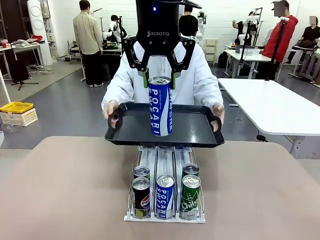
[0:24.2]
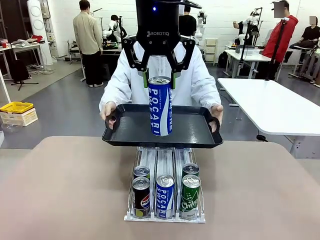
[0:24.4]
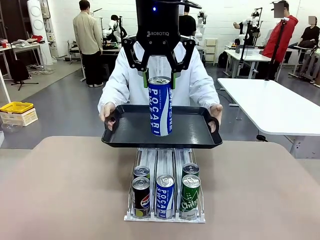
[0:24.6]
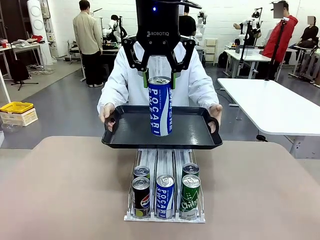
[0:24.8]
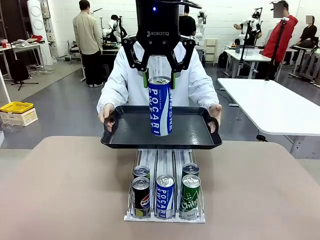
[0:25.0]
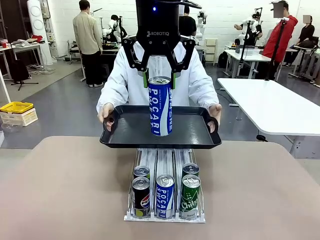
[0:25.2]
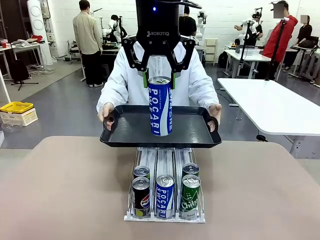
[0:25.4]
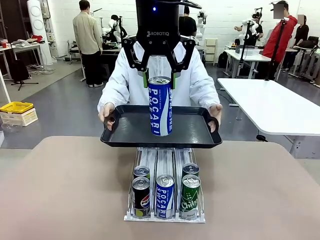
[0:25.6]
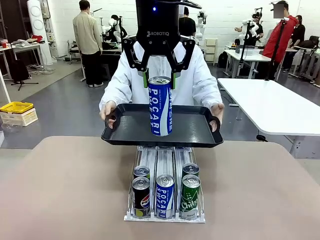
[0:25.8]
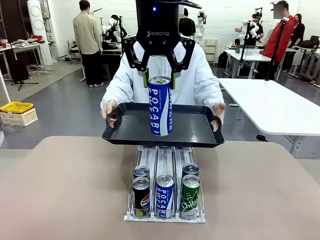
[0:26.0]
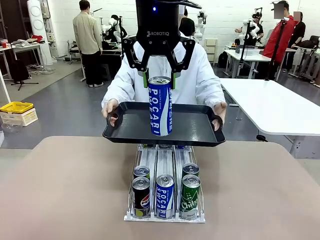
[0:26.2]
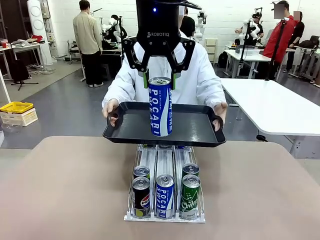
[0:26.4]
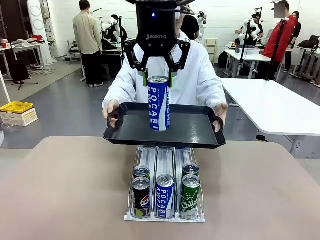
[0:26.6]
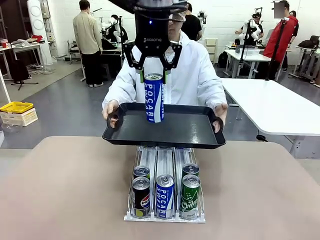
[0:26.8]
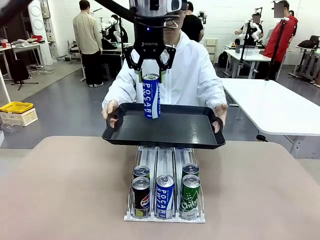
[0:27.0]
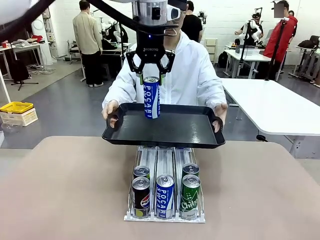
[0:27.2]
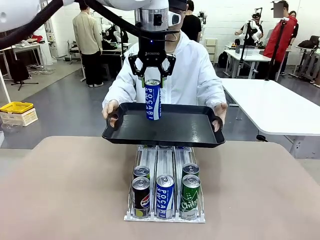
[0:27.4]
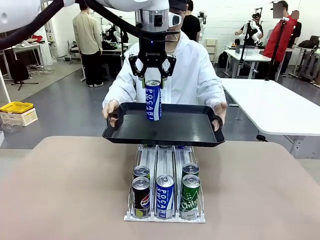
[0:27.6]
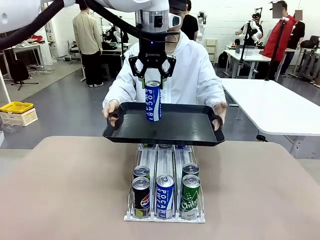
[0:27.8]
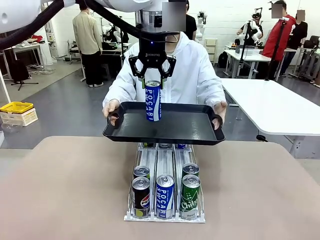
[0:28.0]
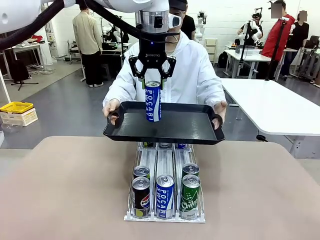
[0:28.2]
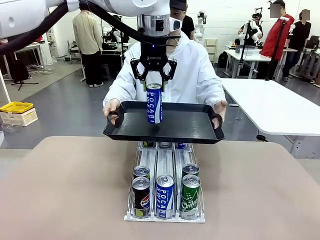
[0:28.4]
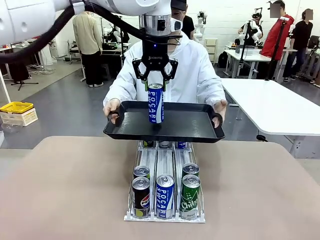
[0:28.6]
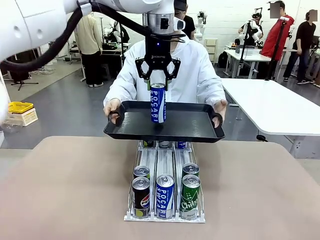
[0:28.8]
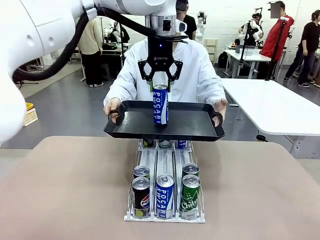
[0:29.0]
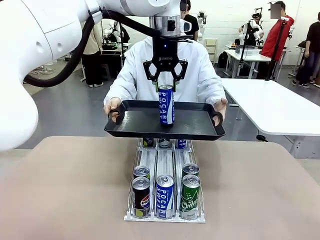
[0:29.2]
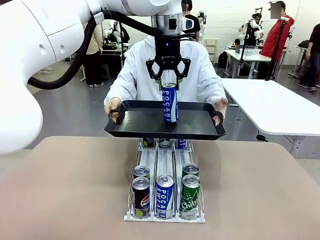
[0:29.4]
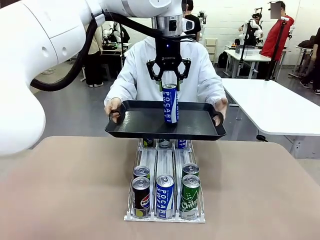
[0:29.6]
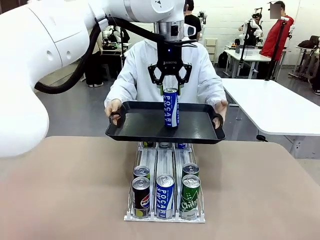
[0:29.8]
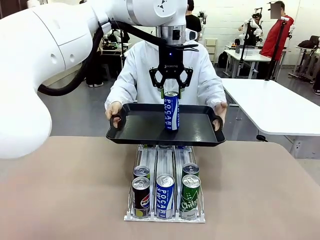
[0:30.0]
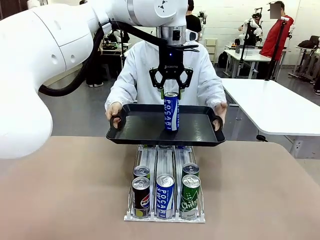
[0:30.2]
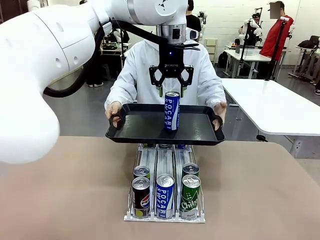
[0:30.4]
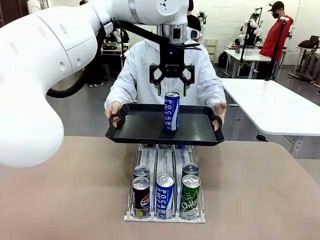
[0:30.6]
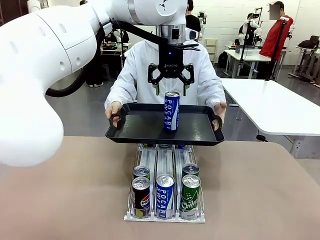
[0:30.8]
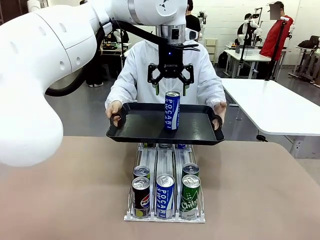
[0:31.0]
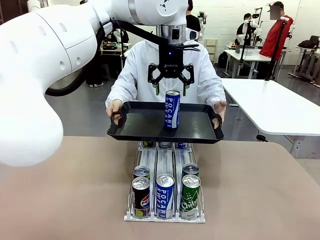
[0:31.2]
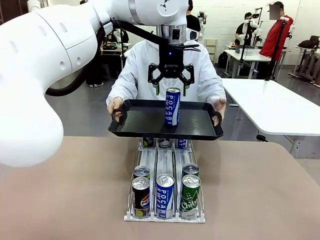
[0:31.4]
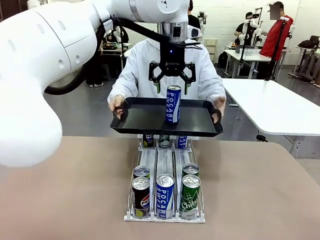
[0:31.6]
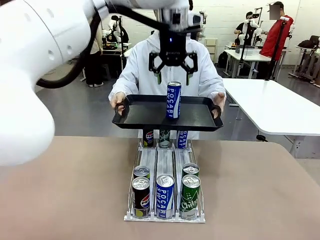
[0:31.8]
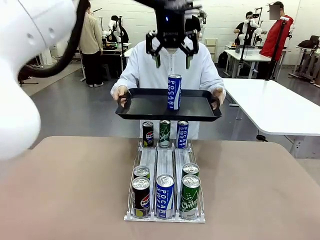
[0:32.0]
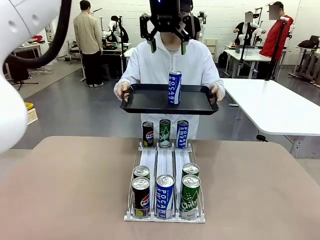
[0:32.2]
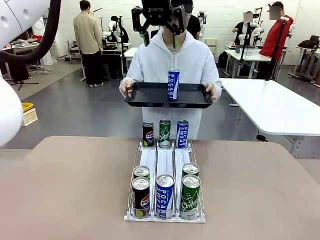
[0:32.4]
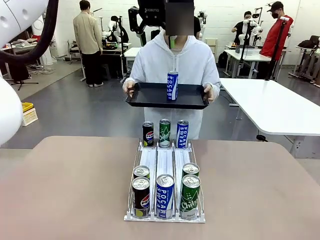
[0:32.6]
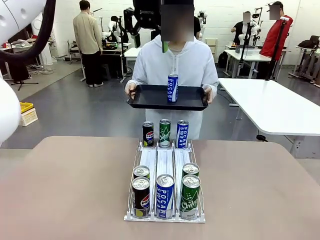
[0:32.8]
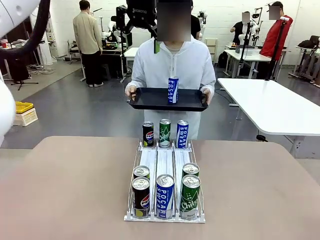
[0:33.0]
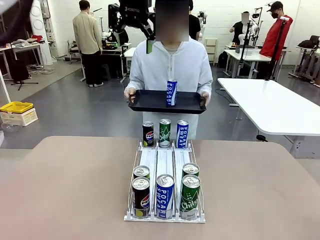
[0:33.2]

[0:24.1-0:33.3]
Task: Retrieve and hand over the desired beverage to the person.
Robot: Place the picked can on the Handle tray extended by the person.
Person: Pull the tray back, then pick up another can from the bottom area of the table and puts it back in its original place.

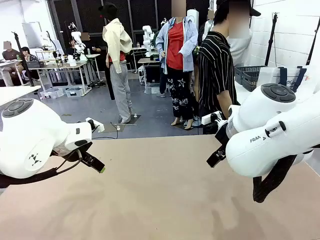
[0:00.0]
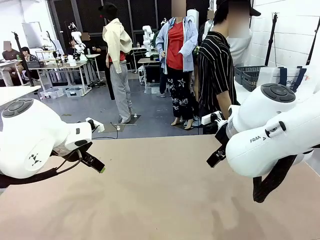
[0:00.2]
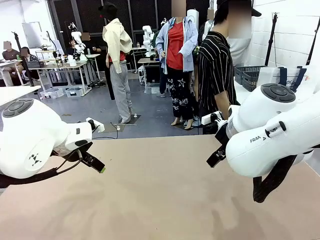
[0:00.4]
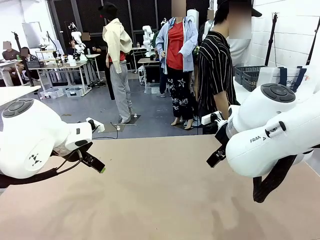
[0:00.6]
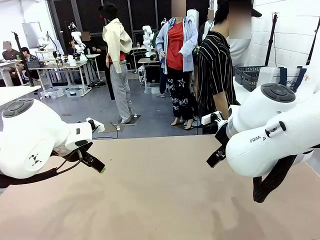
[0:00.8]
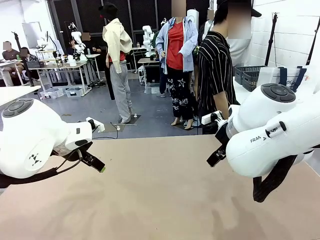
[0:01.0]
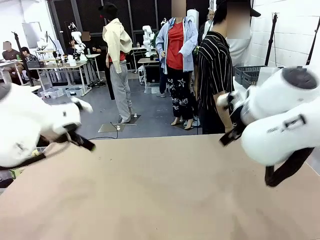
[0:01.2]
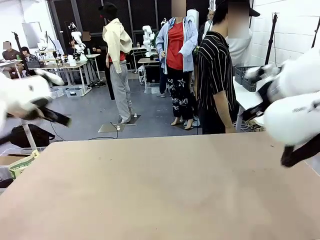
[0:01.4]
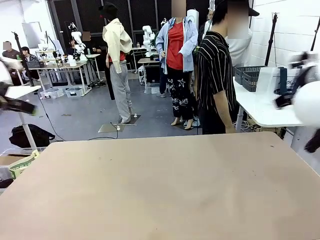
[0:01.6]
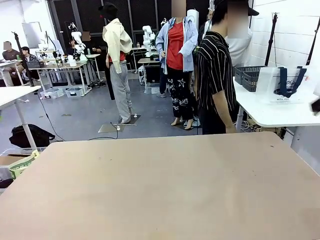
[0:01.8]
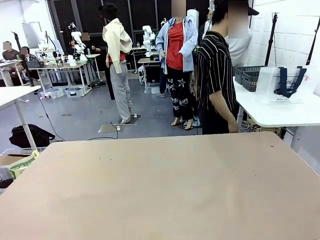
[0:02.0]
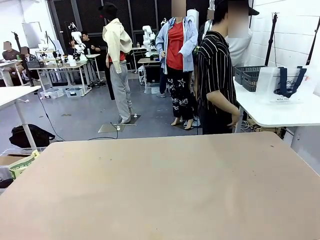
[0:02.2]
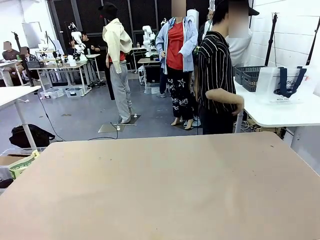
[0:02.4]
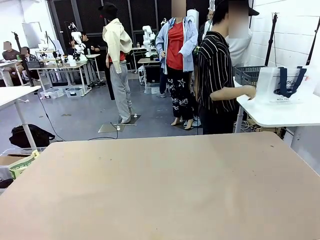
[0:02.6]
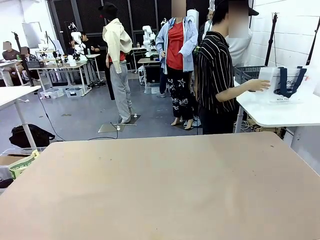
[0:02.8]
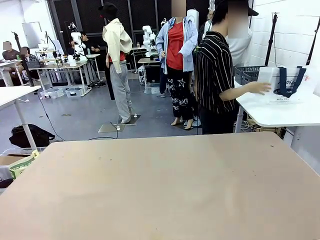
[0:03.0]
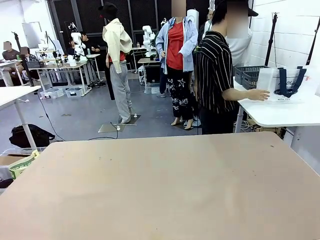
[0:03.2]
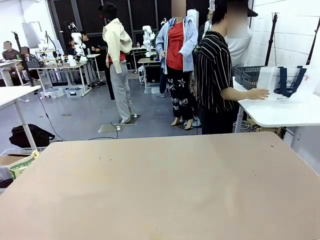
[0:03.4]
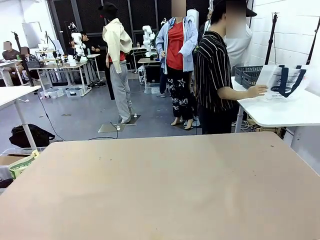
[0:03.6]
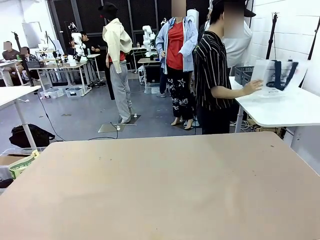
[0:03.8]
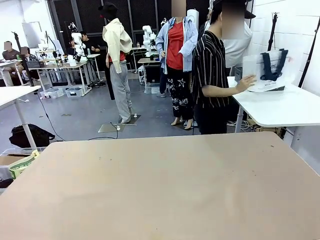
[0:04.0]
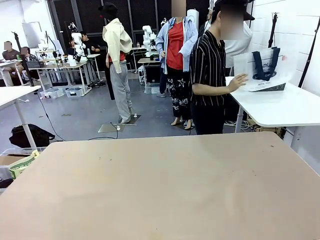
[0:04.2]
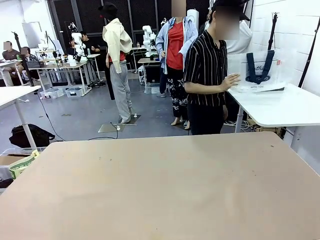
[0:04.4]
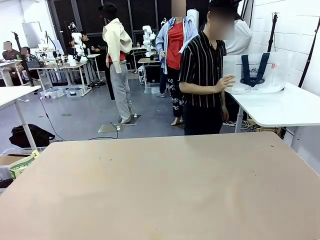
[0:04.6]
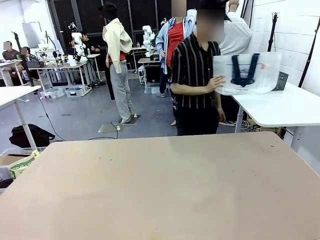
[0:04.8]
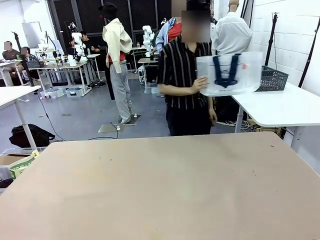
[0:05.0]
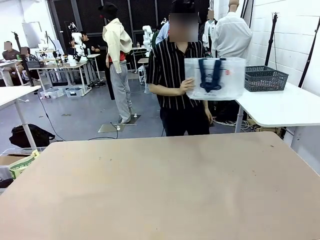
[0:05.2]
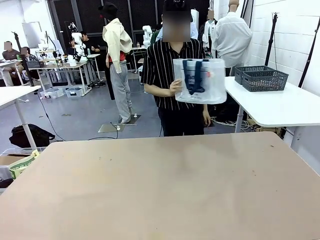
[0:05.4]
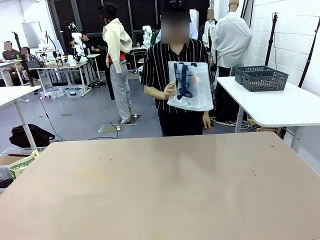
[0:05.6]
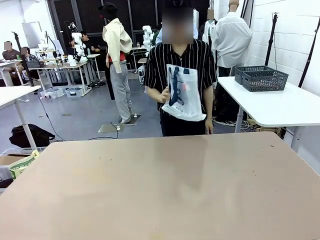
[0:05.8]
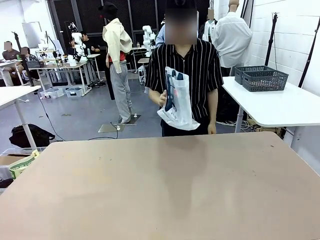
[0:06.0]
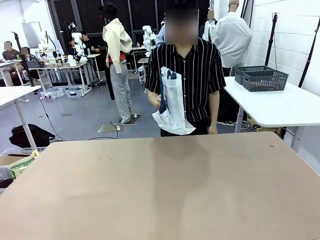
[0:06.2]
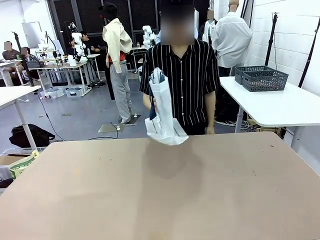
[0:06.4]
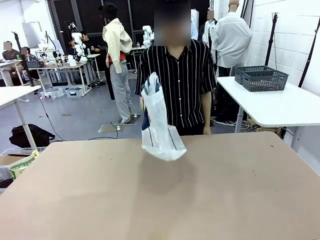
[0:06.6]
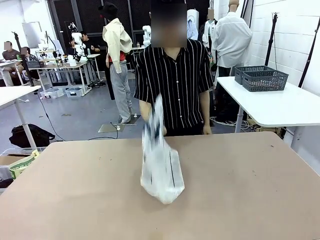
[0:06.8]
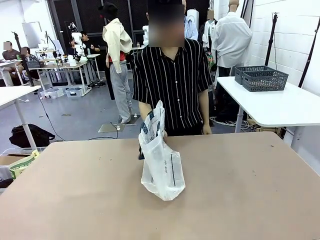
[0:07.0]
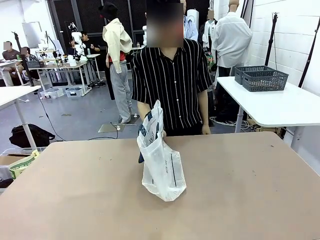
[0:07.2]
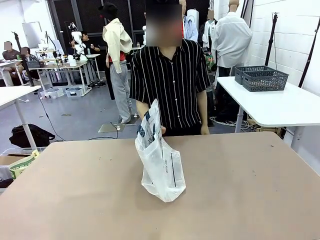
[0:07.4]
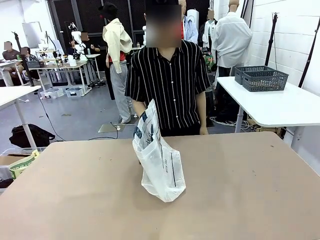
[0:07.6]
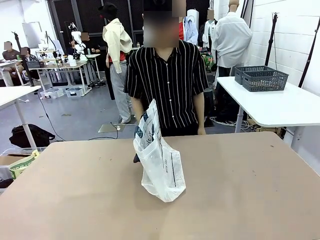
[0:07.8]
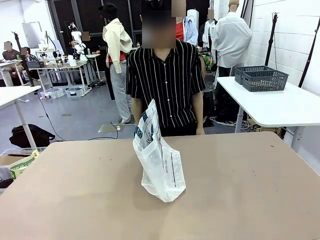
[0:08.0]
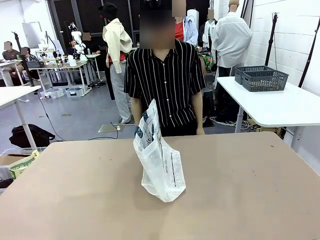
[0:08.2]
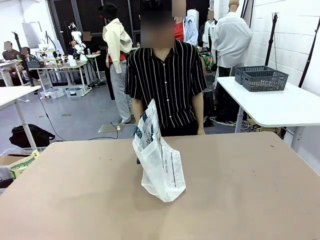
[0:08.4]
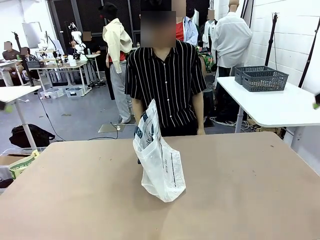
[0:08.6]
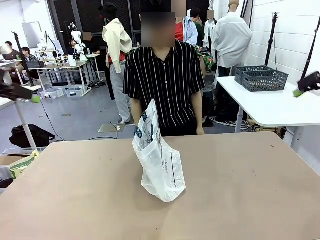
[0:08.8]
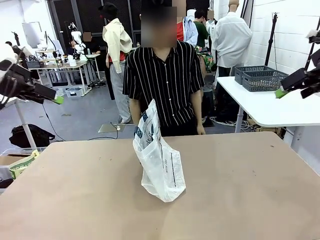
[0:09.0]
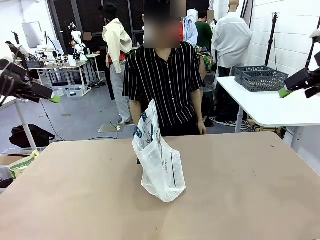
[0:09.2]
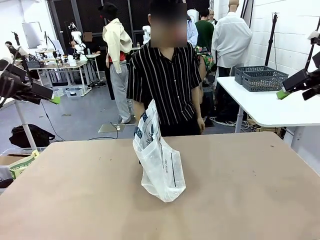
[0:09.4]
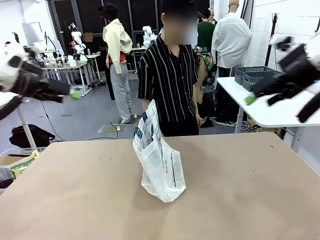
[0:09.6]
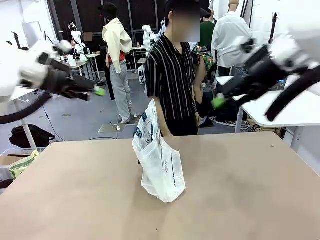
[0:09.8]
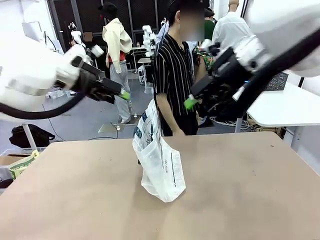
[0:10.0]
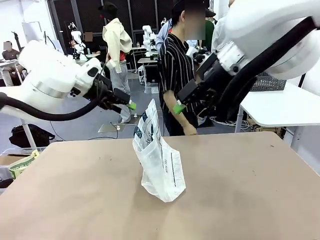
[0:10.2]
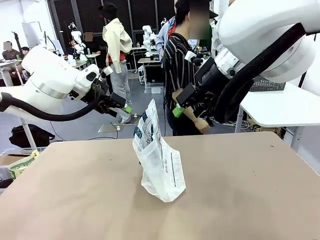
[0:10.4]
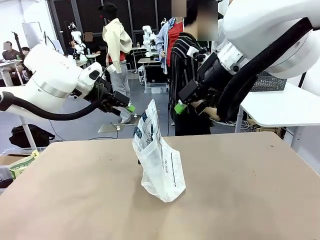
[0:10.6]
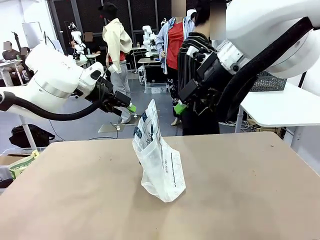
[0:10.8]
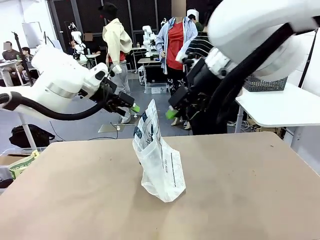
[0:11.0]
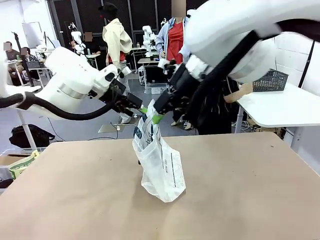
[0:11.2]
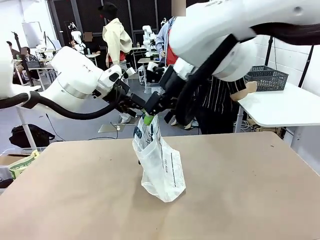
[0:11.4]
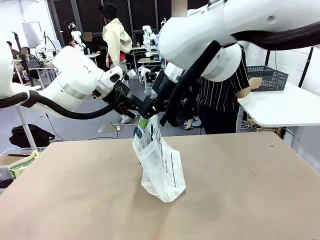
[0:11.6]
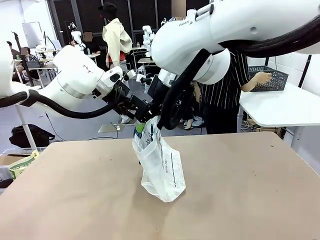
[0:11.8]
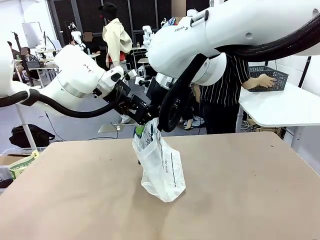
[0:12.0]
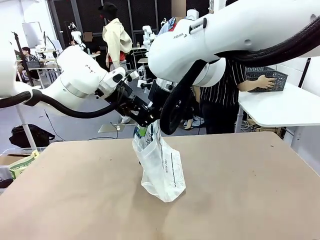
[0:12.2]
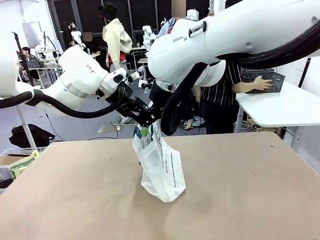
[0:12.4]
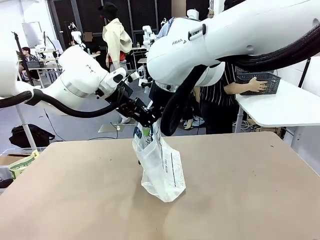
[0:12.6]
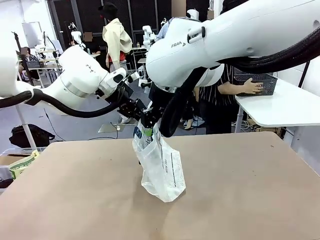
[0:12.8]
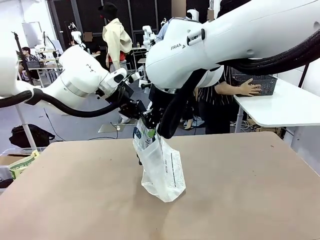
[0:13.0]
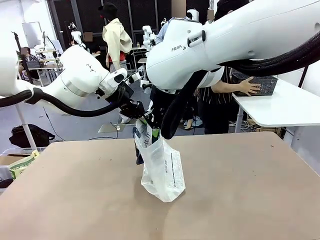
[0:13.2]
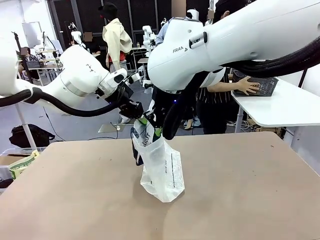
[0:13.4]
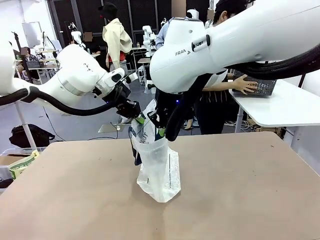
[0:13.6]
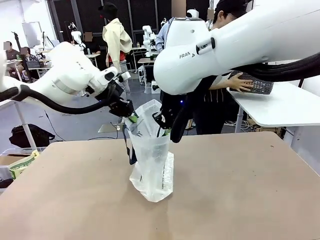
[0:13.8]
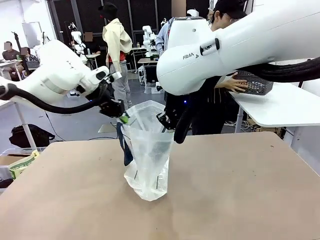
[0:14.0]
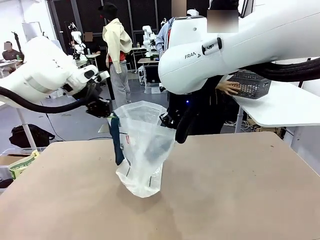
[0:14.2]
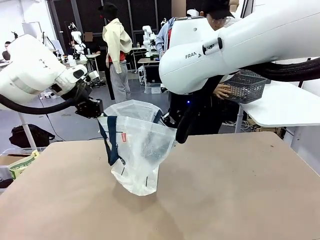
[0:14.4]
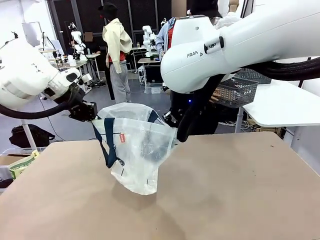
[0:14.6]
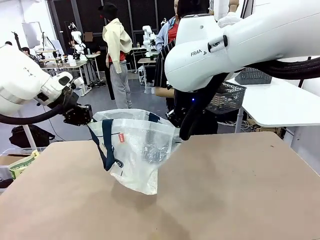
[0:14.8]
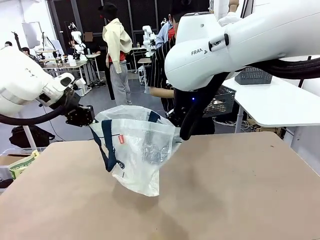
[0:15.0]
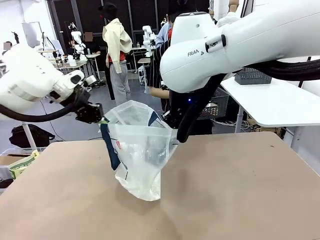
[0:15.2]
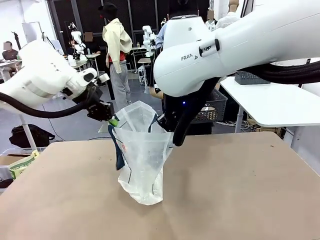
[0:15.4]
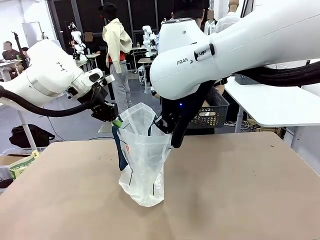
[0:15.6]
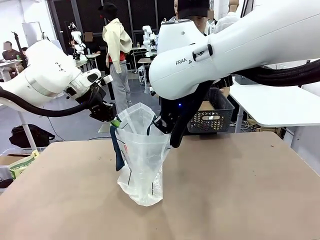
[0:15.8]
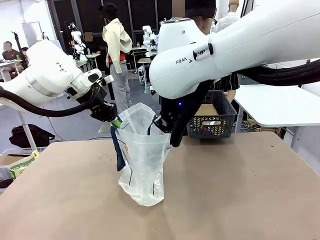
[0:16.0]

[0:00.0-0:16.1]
Task: Transfer purchased items from the store into the shopping bag.
Robot: Open the Reusable shopping bag in the center of the table.
Person: Pick up the shopping bag and place it in the middle of the robot table. Pick up the basket on the right, place it on the left side of the robot table, and move the items in the basket to the shopping bag.
